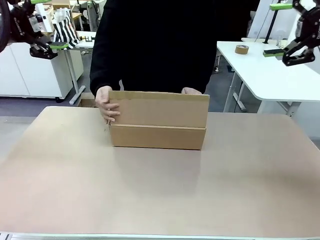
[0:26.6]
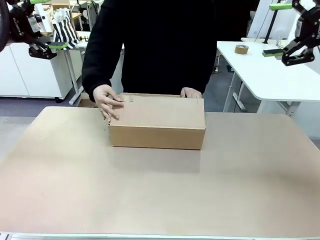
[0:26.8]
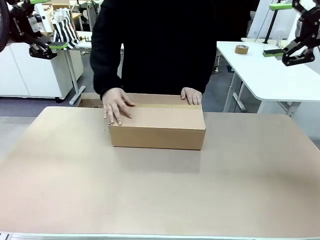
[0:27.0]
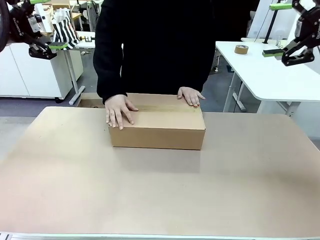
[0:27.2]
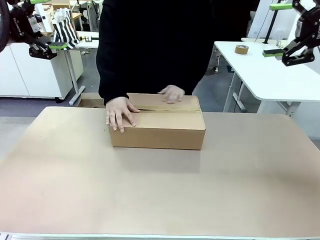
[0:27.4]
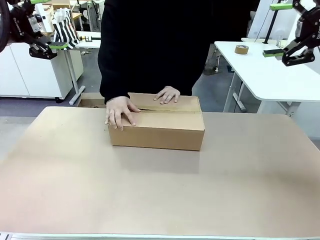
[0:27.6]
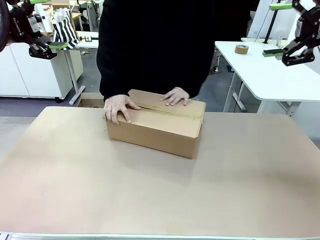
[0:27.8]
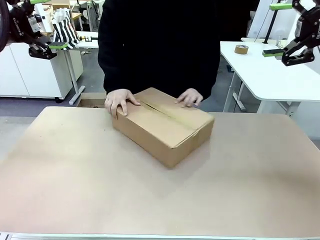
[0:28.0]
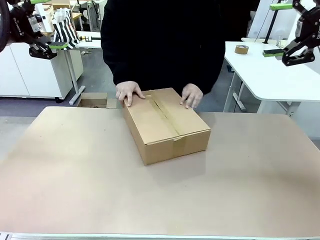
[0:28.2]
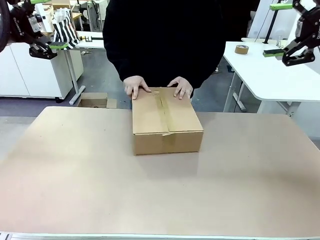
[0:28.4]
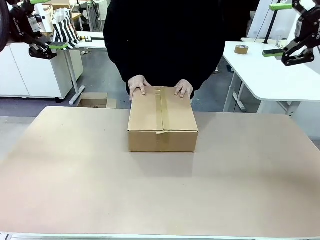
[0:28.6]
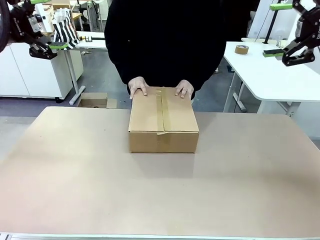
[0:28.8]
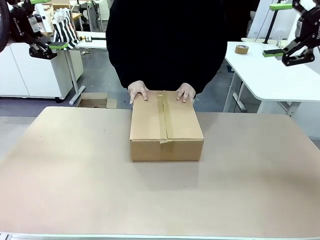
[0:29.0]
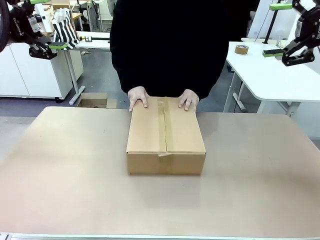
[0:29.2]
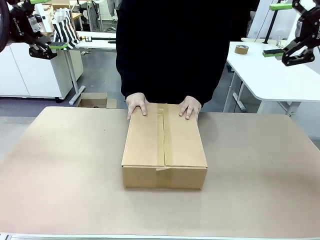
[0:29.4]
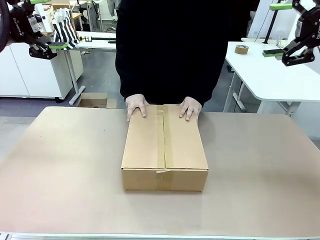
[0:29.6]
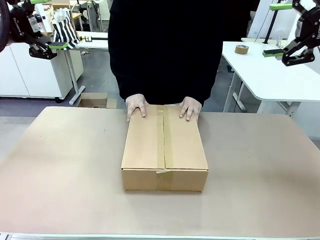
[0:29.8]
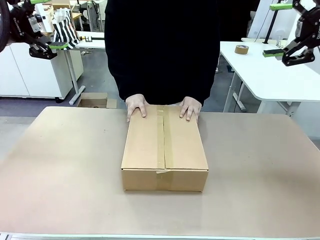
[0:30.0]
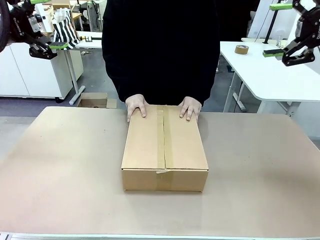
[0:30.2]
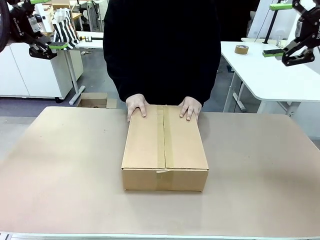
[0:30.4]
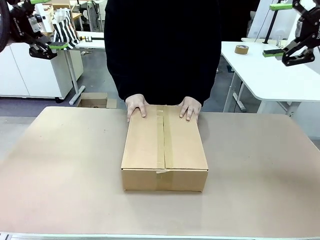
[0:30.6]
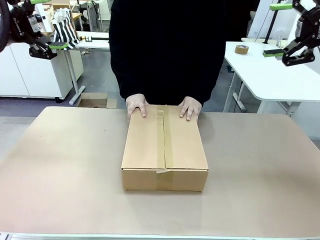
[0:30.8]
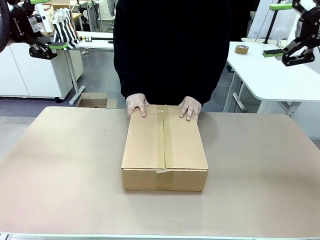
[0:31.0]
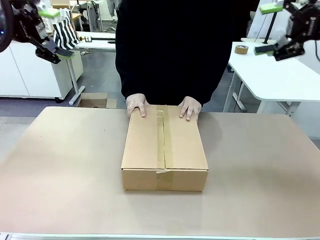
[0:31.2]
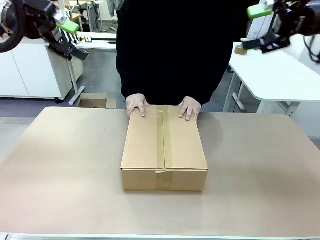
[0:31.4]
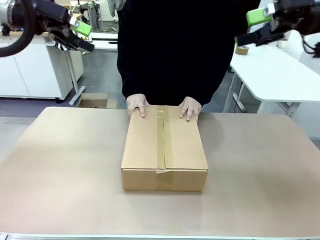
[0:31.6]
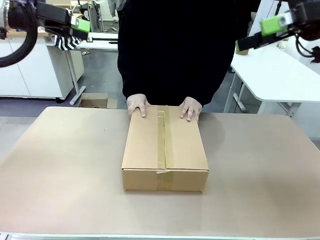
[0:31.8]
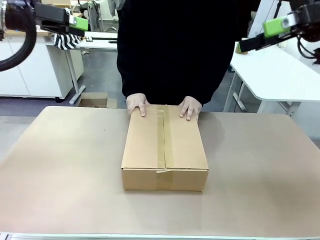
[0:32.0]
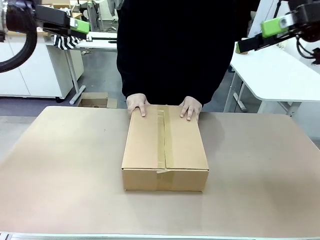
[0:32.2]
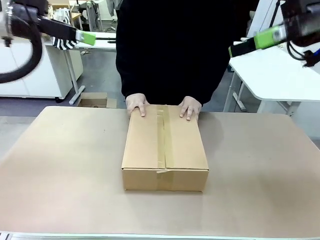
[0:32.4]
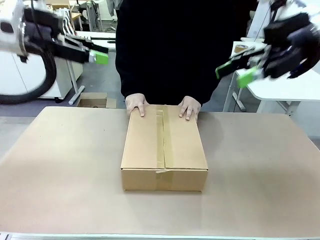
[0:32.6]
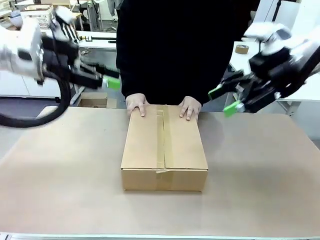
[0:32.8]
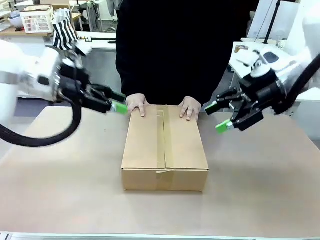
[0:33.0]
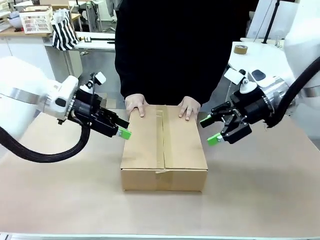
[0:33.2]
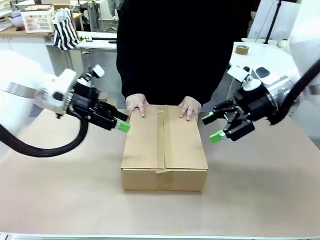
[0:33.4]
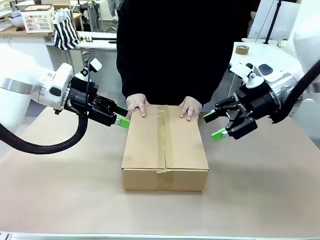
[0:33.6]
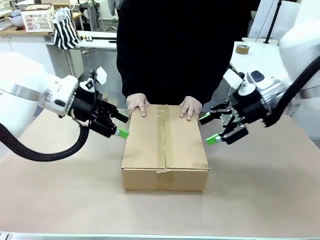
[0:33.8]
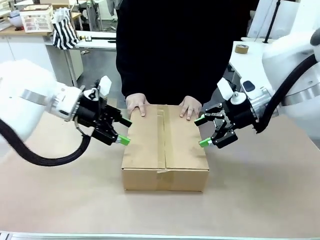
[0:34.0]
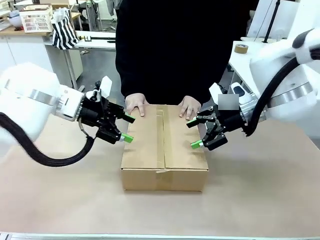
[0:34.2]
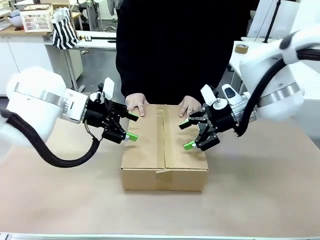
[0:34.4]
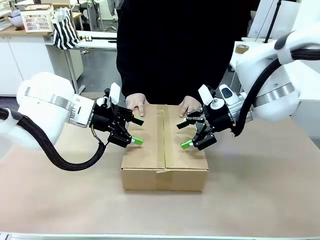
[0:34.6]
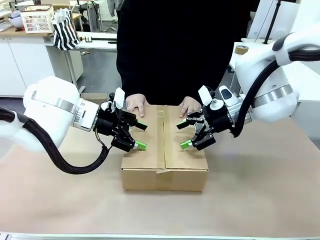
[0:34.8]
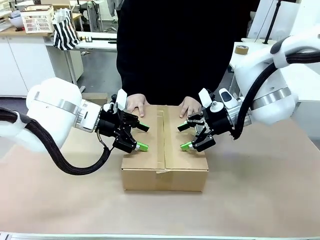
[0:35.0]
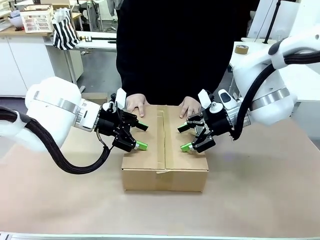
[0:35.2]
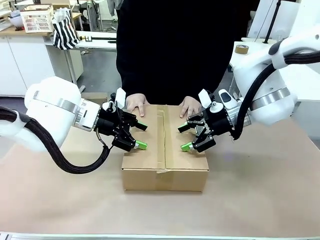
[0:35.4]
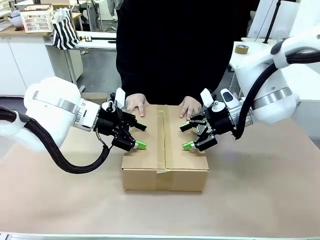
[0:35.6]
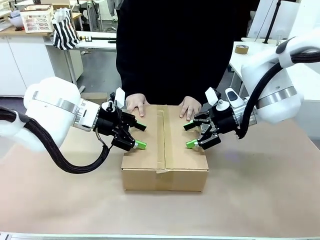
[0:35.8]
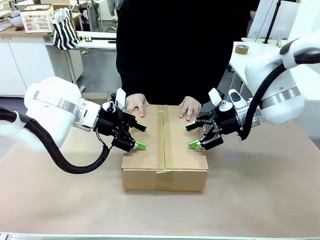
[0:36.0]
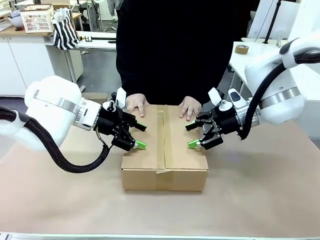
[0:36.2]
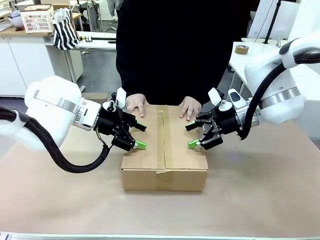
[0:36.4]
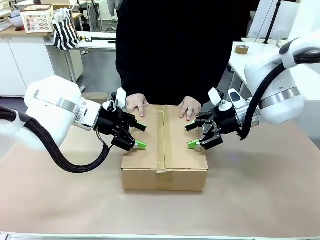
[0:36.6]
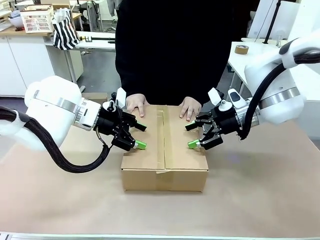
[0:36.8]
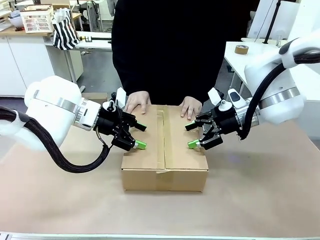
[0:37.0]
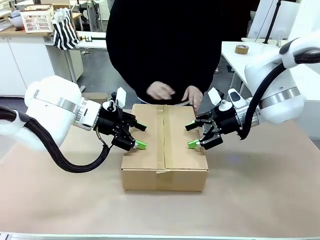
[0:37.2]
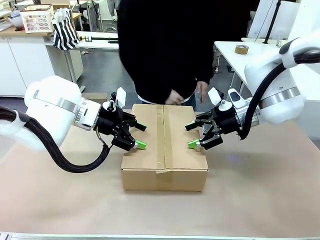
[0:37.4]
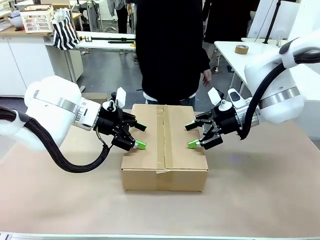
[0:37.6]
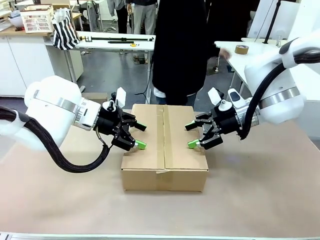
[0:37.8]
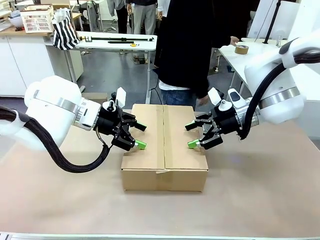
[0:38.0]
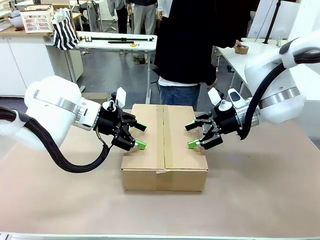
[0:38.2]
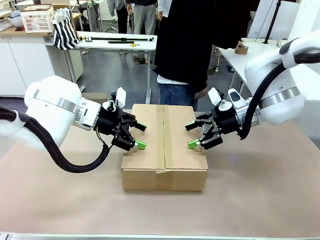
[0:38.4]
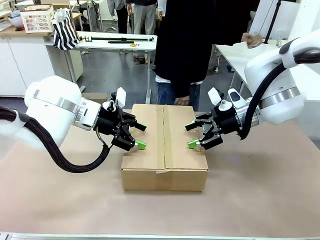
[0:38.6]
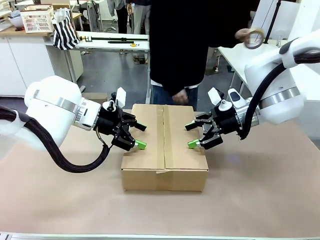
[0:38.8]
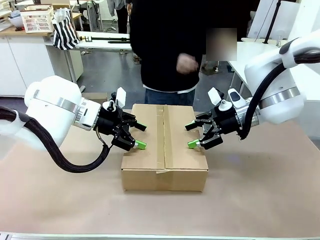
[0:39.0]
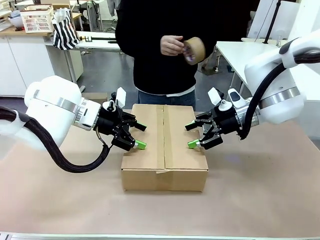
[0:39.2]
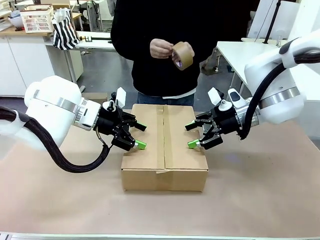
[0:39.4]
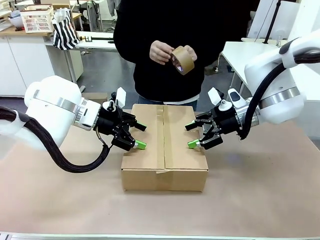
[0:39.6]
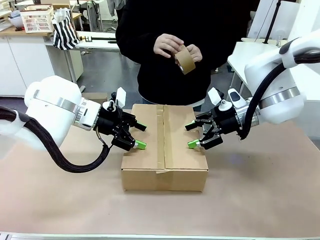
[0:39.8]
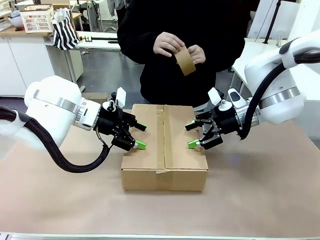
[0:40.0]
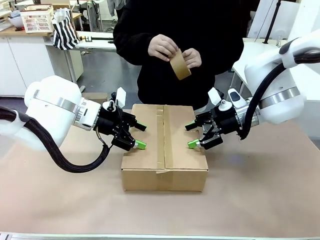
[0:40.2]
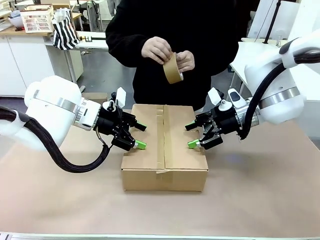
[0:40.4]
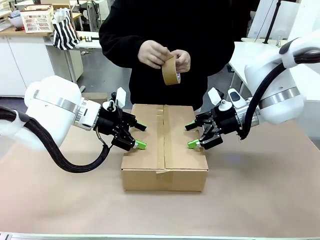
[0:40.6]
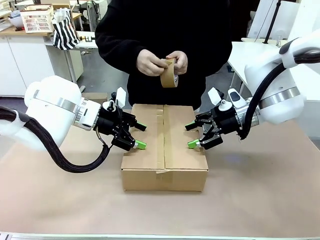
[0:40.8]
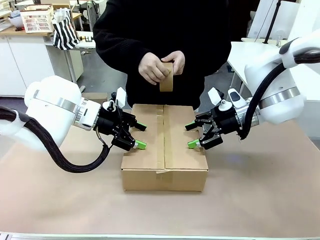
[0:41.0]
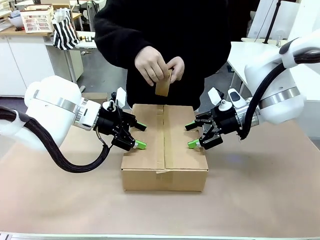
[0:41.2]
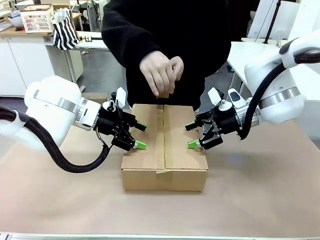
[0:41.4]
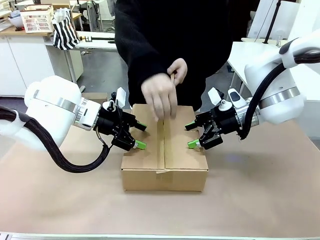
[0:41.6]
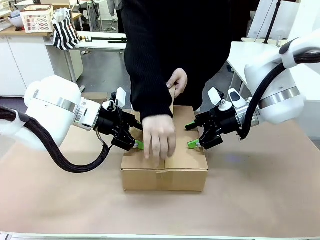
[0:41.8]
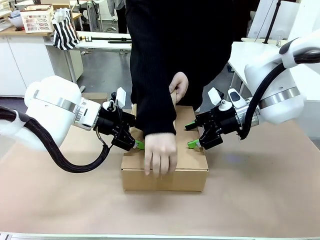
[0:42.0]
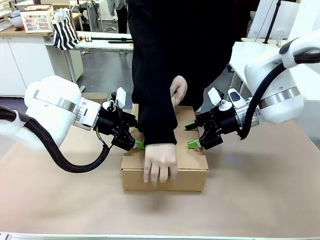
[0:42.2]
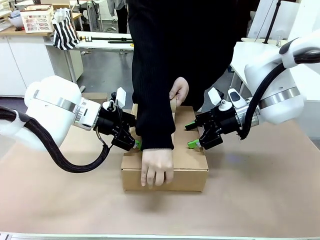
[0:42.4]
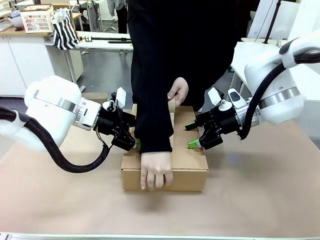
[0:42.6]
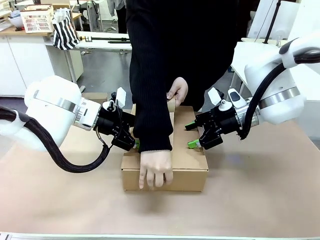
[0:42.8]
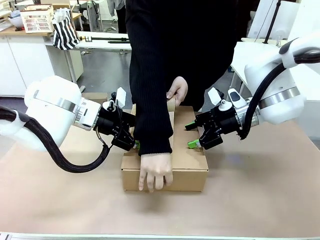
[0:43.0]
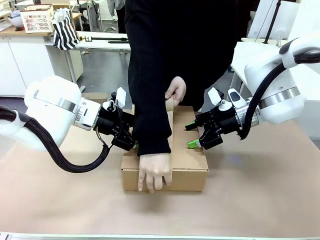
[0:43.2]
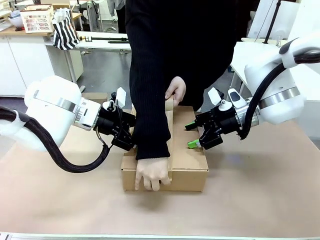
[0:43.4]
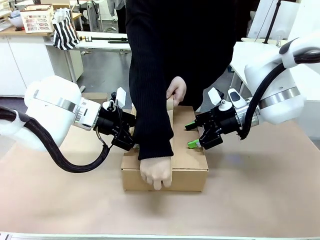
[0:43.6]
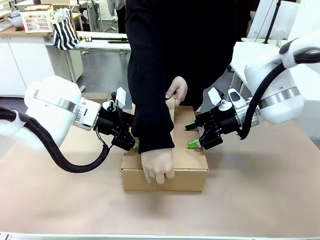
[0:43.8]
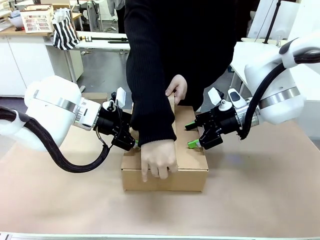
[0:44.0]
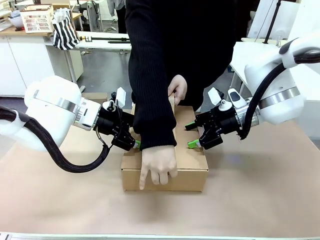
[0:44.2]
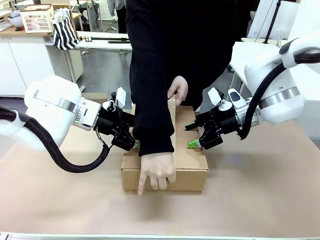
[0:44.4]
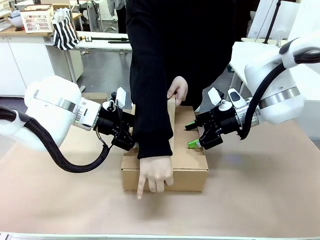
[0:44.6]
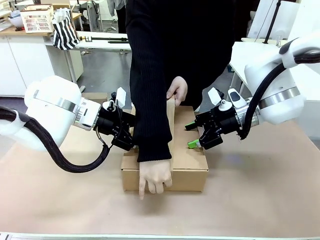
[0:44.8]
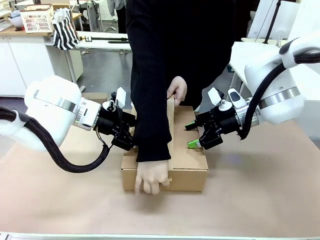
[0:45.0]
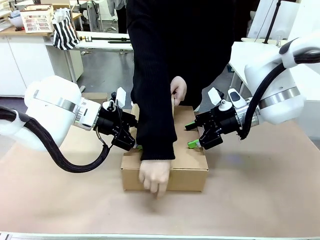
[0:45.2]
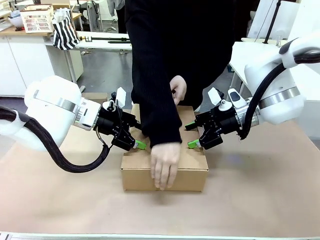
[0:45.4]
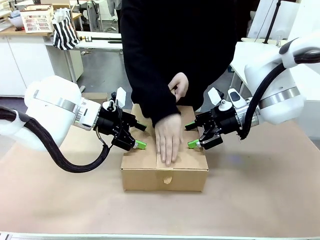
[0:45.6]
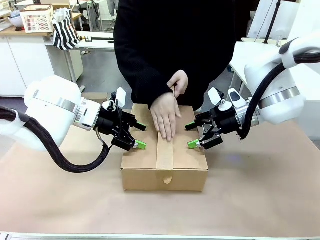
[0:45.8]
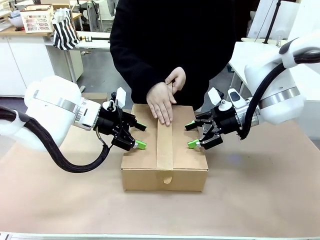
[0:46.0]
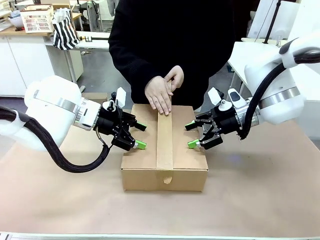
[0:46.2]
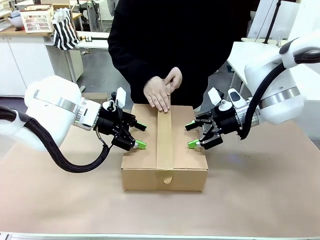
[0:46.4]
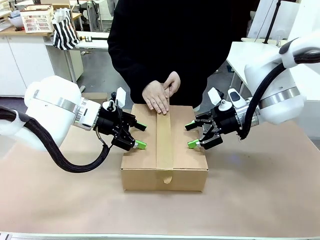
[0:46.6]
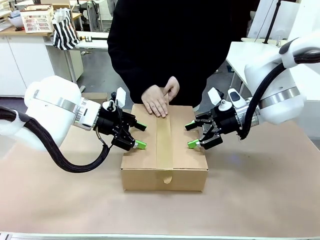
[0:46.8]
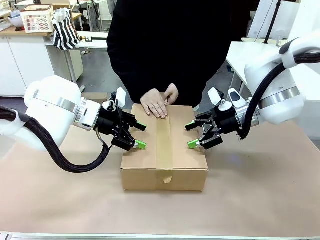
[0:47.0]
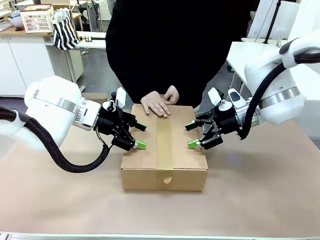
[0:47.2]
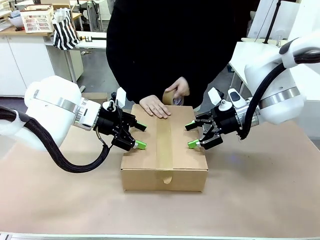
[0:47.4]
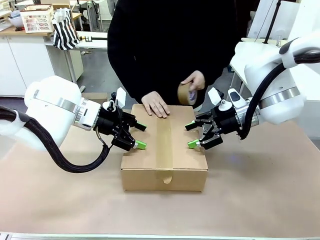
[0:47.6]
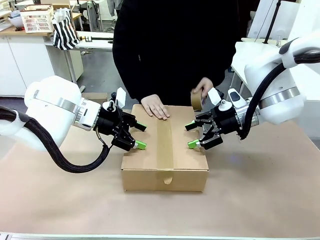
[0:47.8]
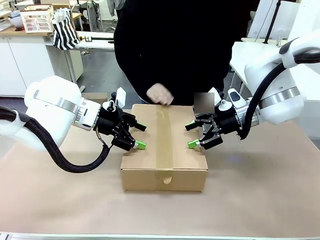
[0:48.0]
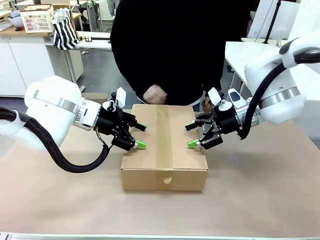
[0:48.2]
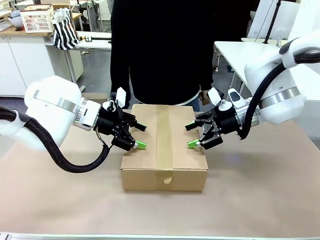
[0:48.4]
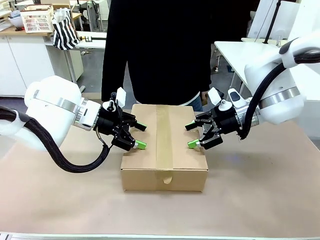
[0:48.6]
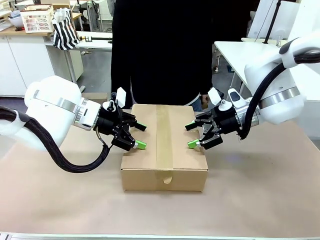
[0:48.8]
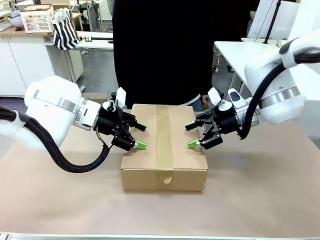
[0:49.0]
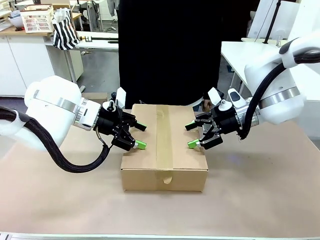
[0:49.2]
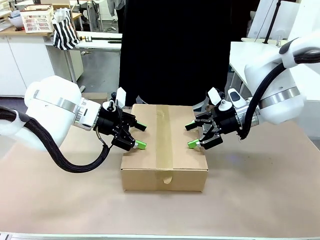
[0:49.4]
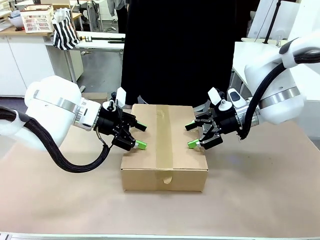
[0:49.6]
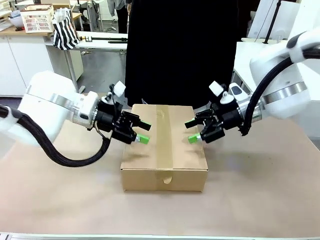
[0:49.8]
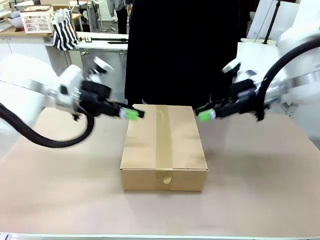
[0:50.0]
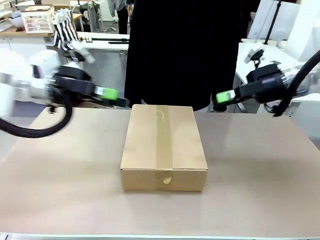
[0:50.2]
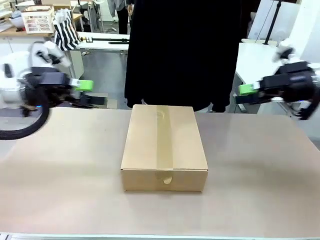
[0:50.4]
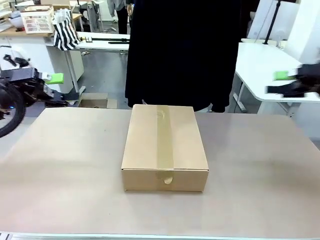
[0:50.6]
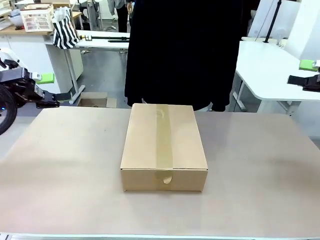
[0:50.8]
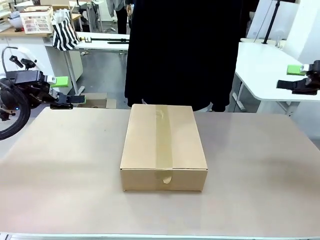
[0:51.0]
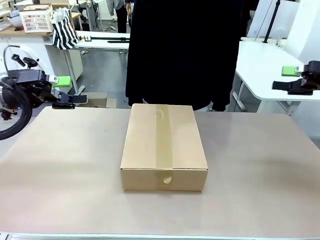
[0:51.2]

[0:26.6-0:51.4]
Task: Pack the gift set into the box.
Robot: Press and hold the closed box until the human finishes sealing it.
Person: The human picks up the paper tape from the human table and packs the box.
